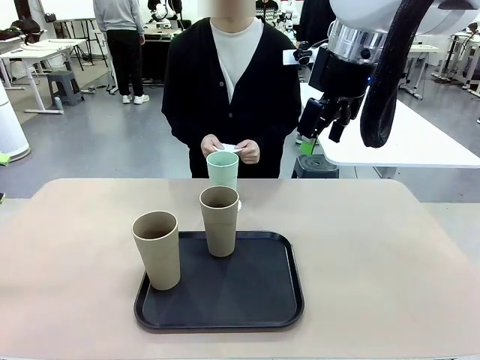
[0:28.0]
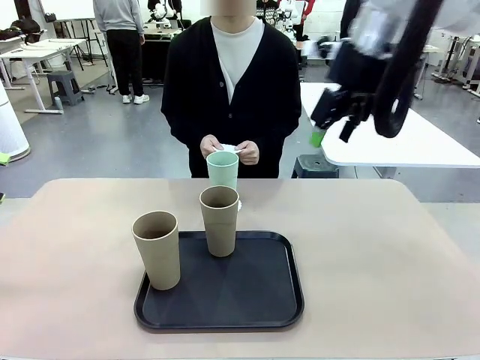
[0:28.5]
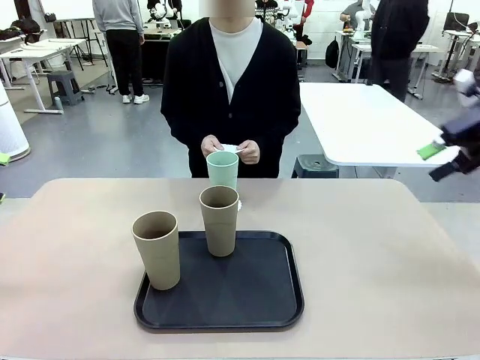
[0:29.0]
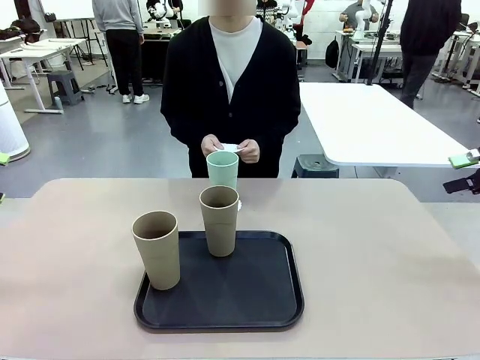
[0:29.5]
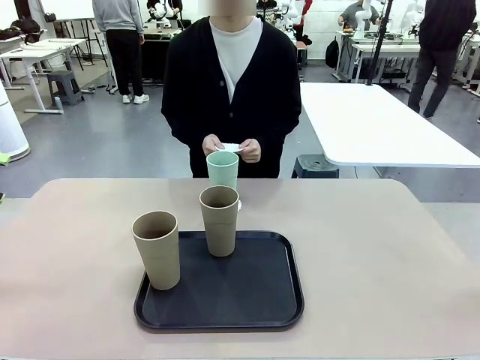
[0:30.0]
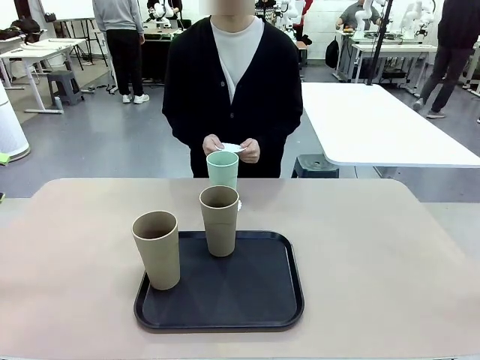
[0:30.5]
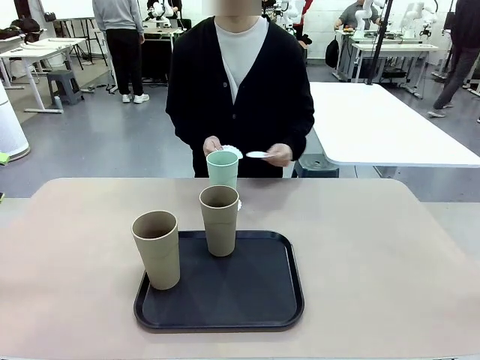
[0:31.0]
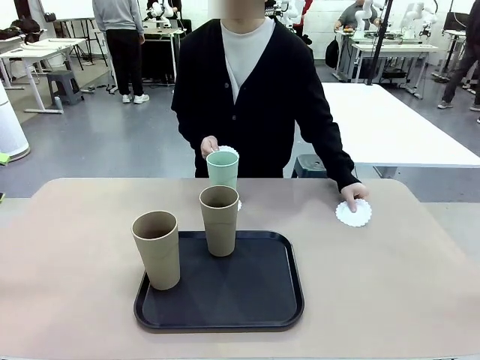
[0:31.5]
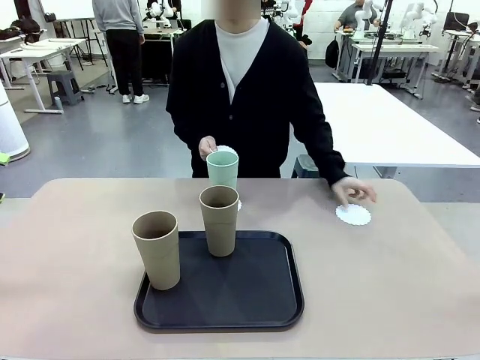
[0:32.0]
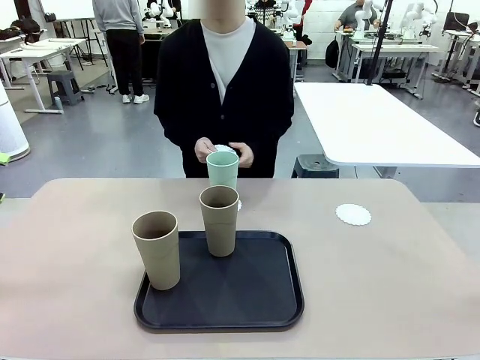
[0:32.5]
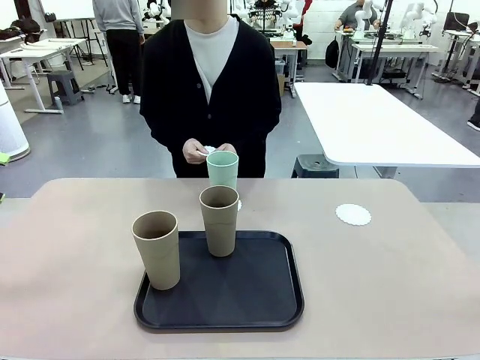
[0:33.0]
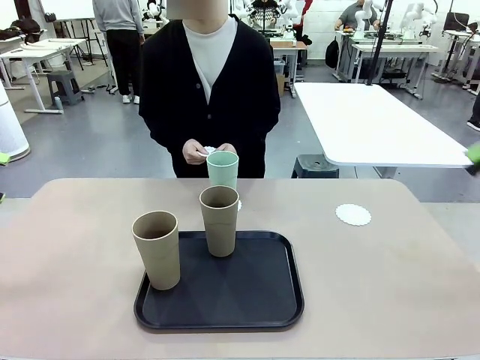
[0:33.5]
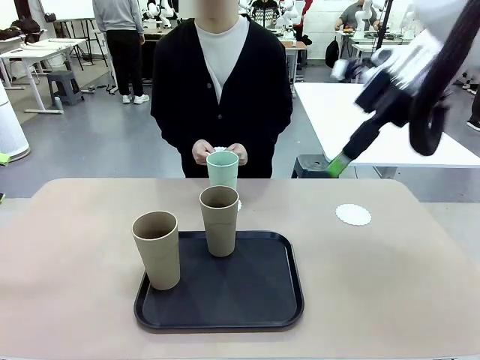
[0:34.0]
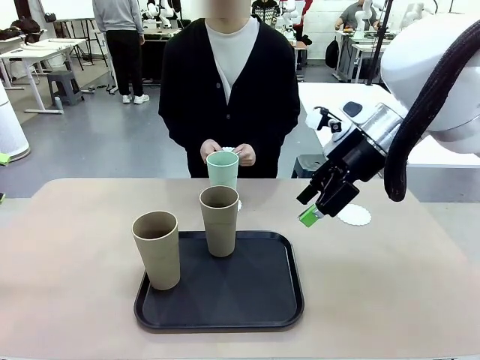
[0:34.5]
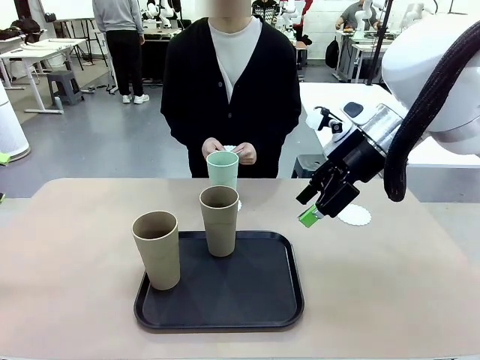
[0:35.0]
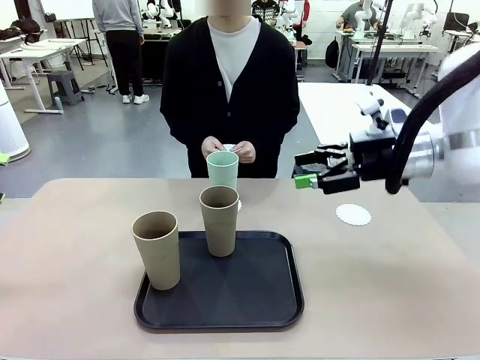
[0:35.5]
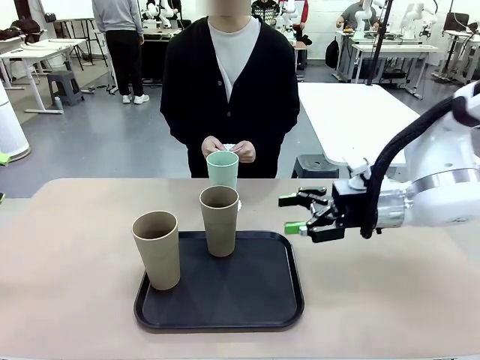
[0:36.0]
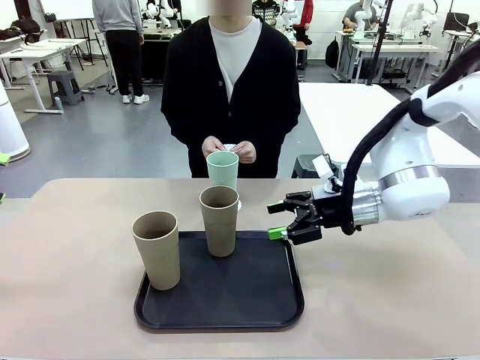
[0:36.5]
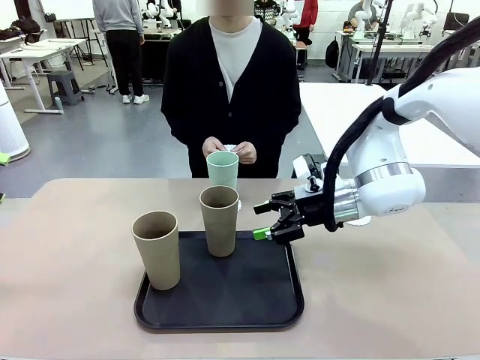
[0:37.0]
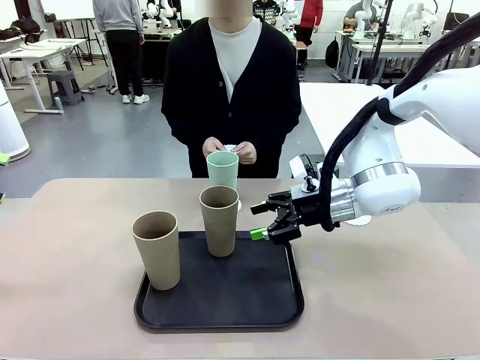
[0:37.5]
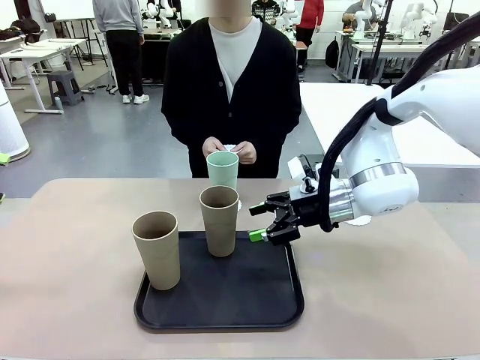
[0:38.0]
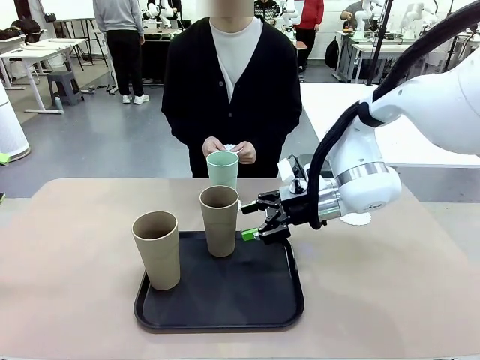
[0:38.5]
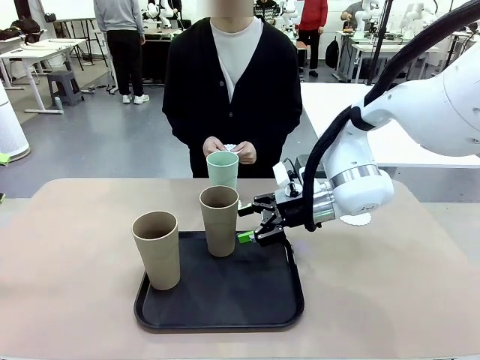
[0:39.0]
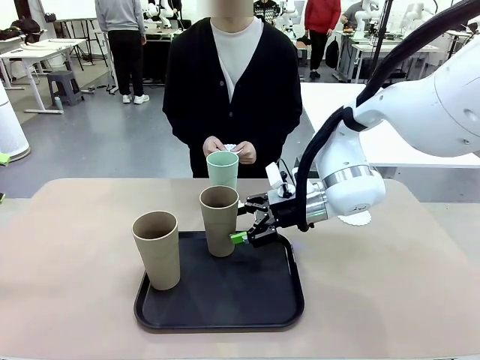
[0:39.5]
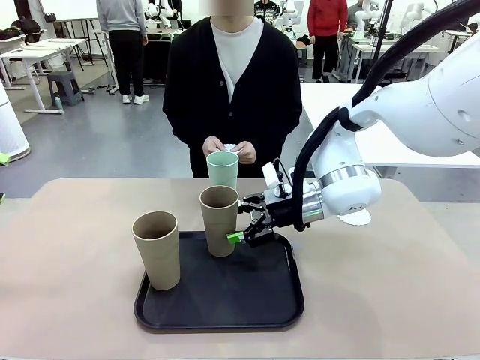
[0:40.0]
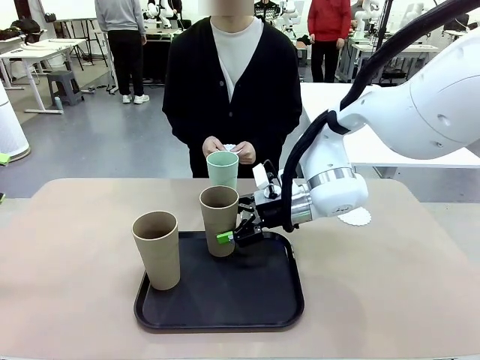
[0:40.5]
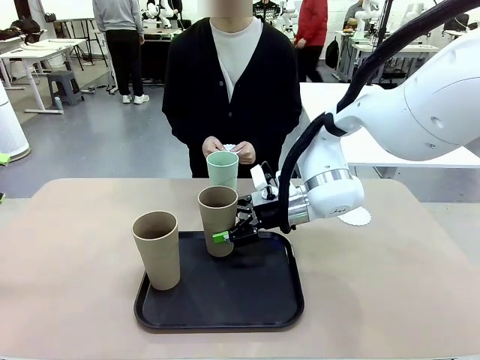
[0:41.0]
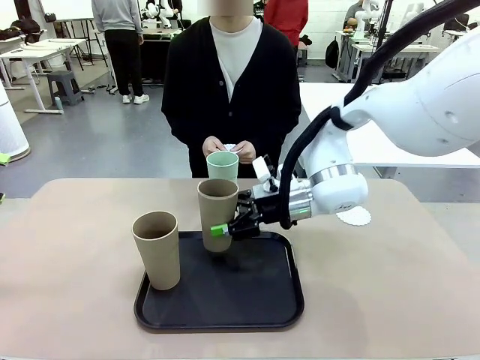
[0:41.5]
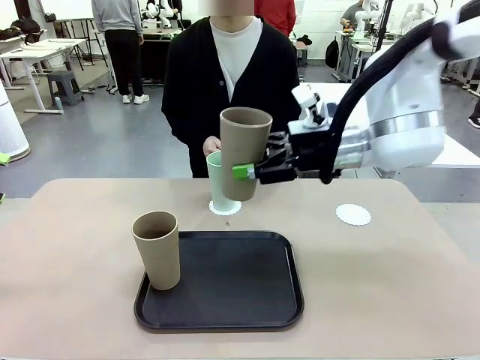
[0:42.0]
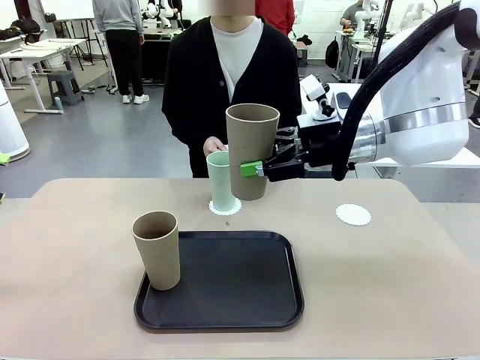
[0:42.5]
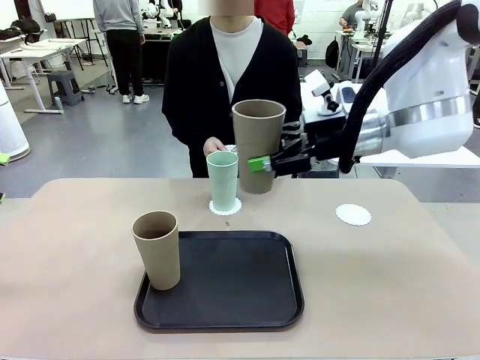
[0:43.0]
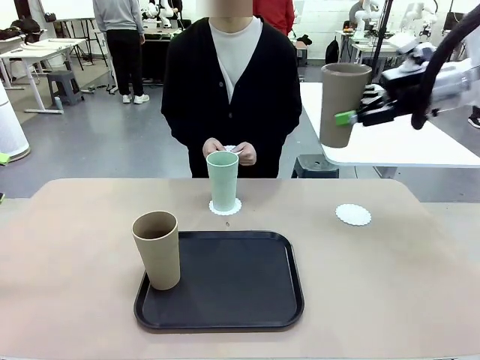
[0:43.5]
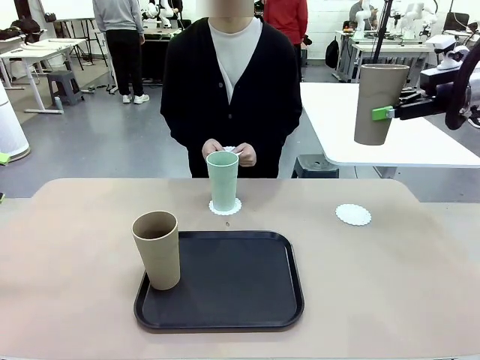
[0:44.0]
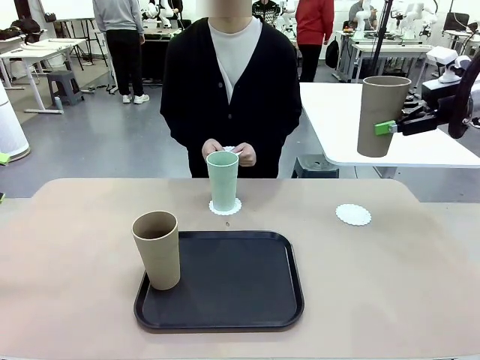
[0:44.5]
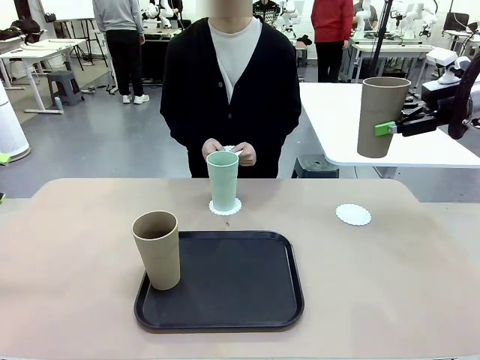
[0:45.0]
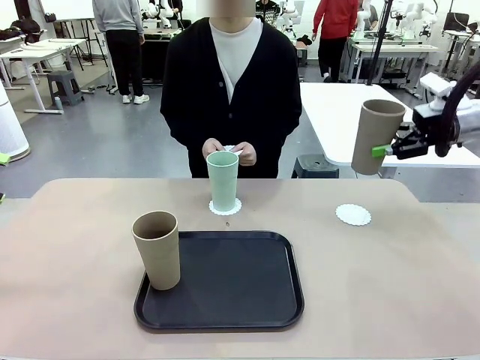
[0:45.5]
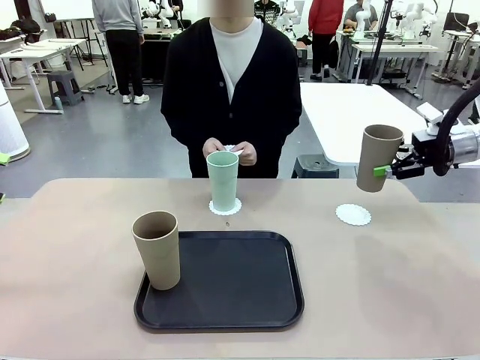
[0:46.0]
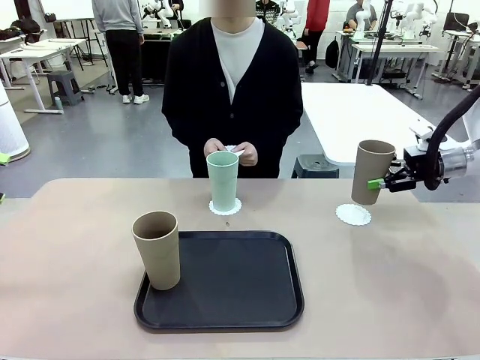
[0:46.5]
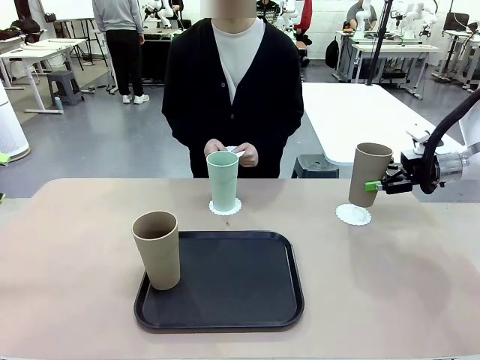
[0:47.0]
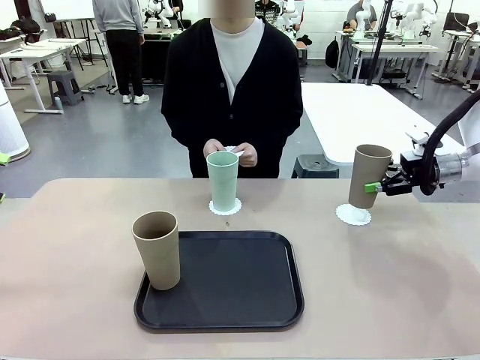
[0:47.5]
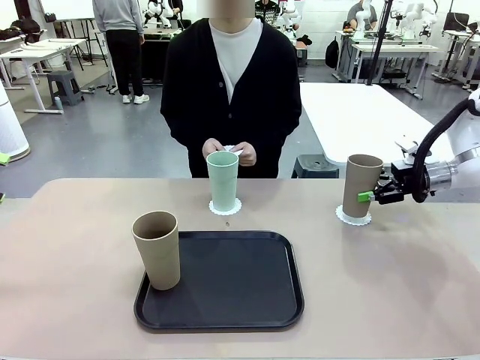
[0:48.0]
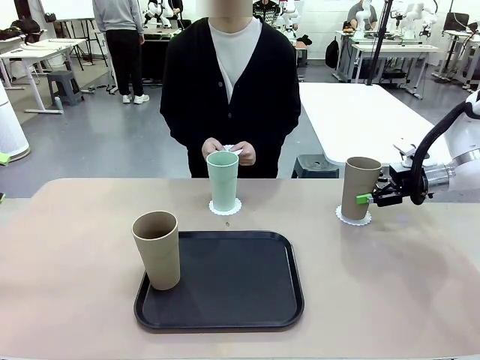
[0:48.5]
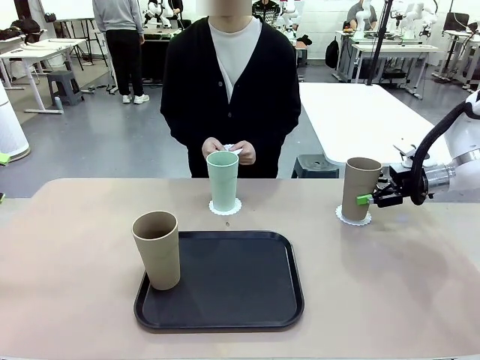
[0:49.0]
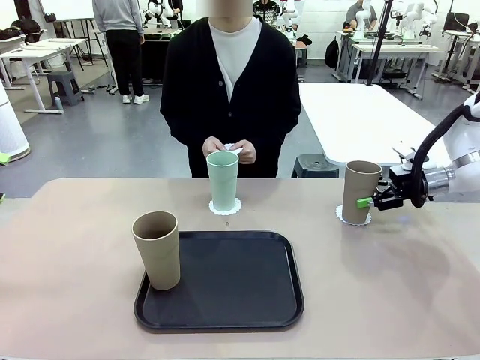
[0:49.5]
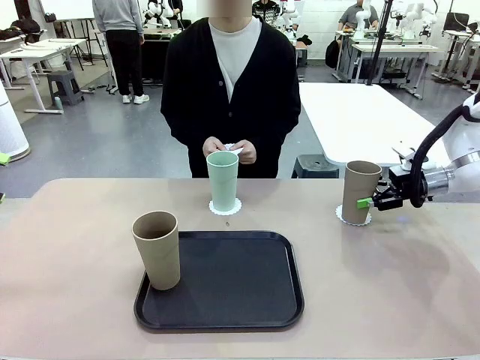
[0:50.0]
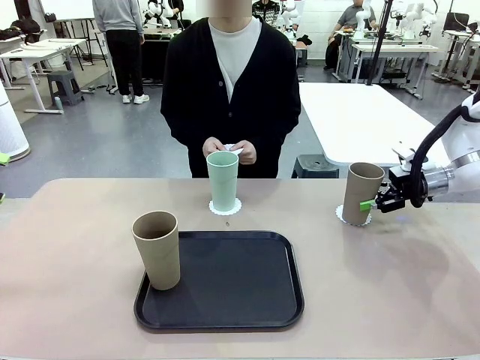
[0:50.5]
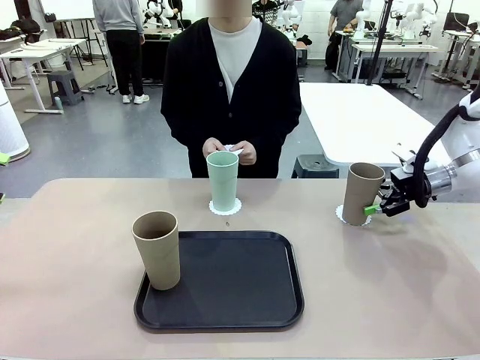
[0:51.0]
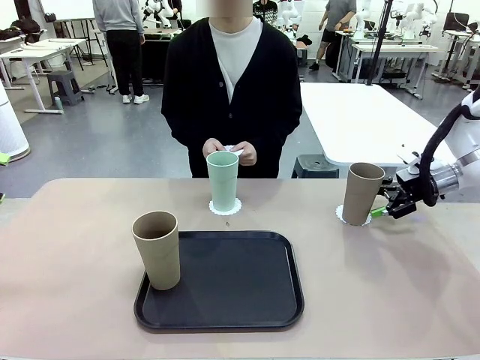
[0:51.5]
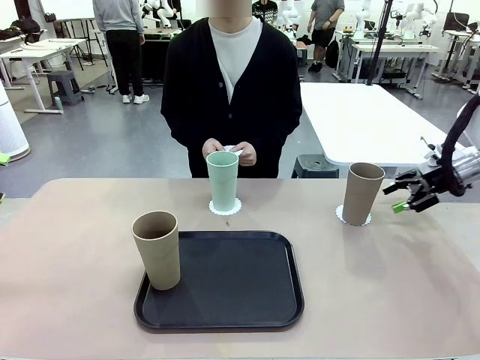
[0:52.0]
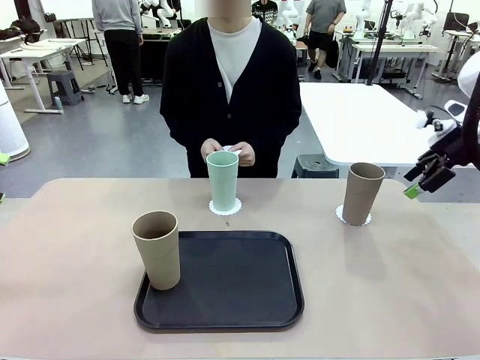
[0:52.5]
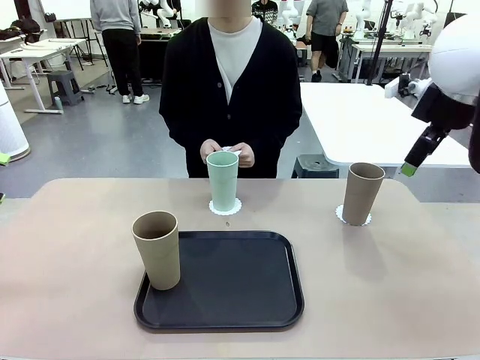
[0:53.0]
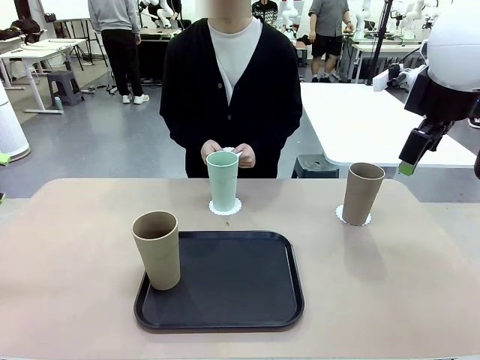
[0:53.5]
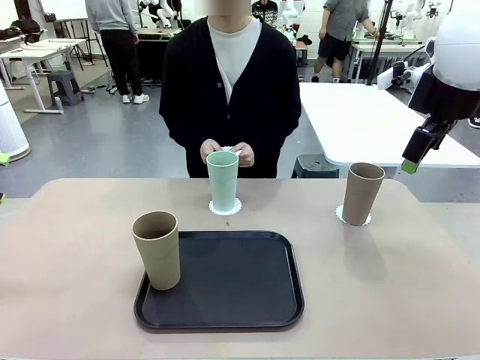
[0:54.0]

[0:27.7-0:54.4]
Task: Place coasters on the table and set cups on them.
Robot: Take one Reusable plastic cup from the Flat Tray and place it on a coaster set by the human.
